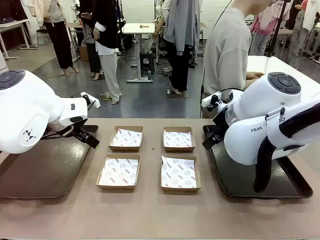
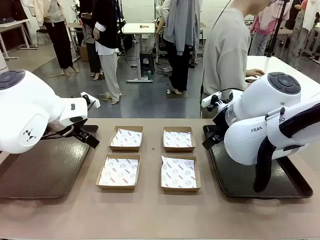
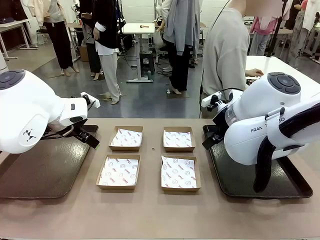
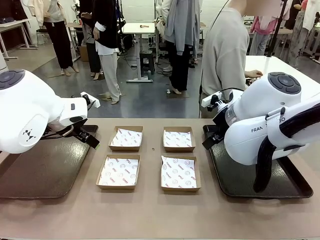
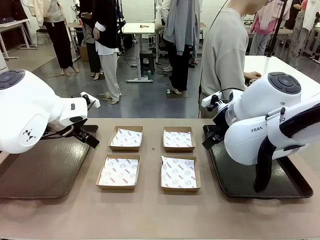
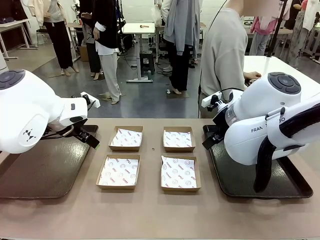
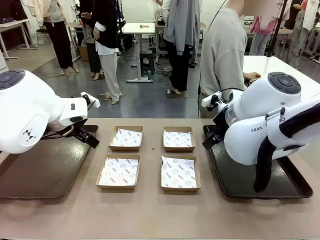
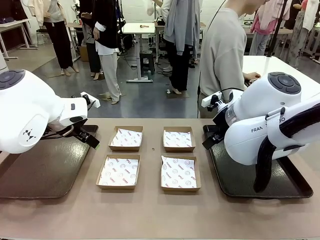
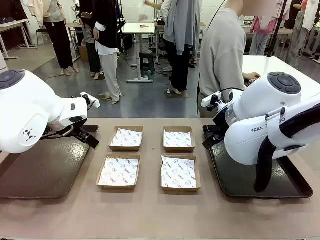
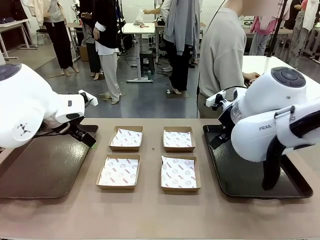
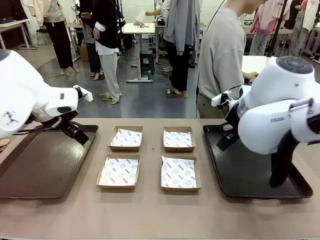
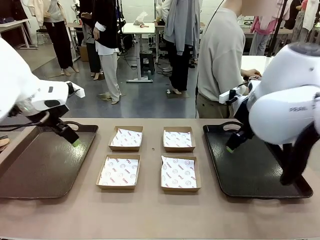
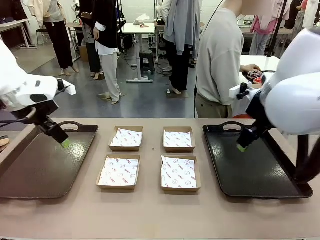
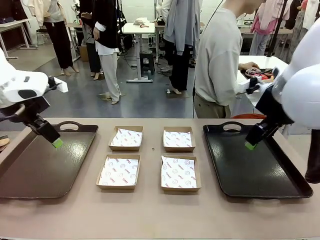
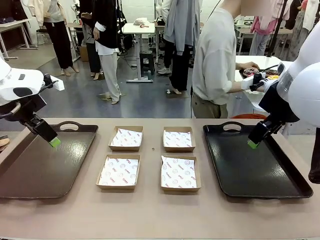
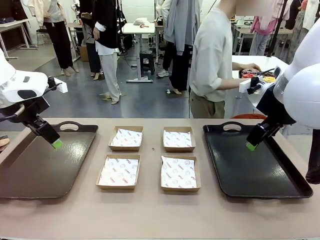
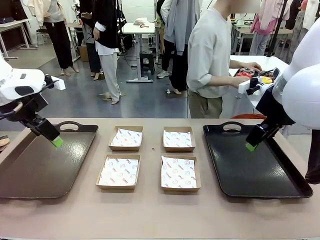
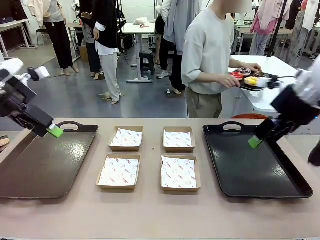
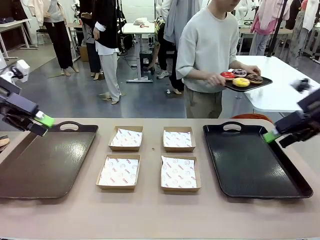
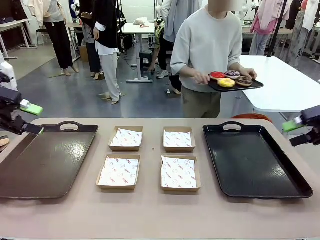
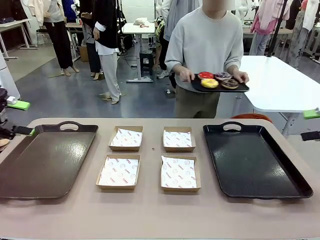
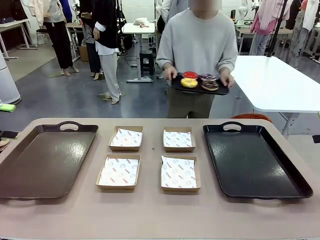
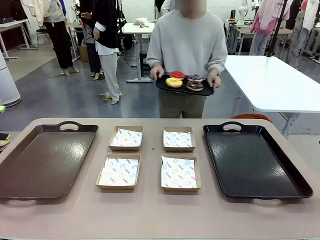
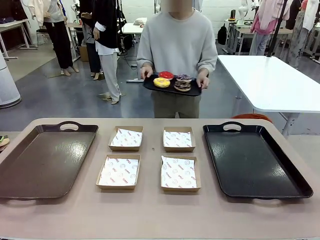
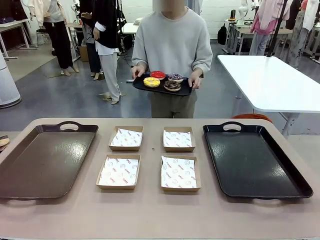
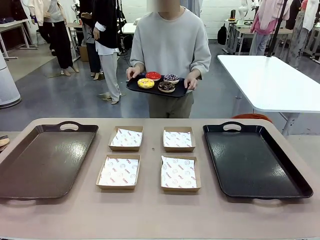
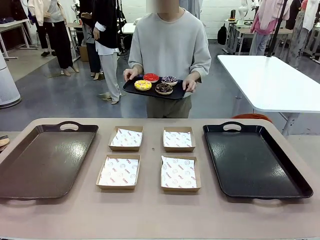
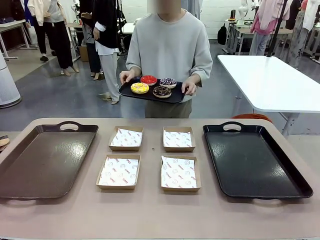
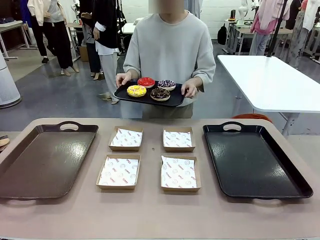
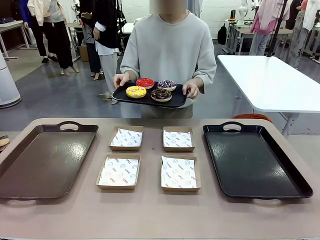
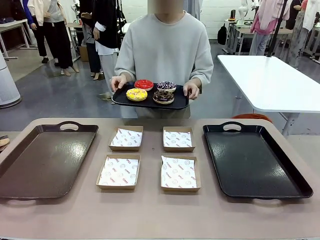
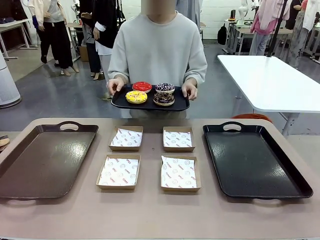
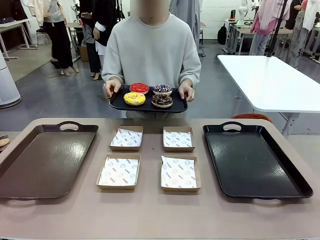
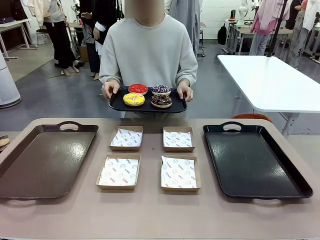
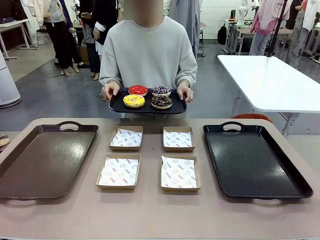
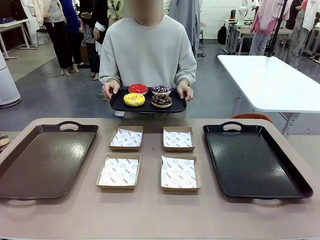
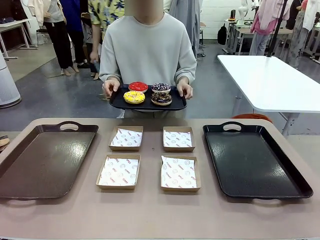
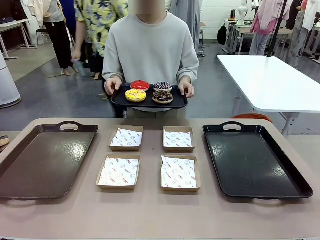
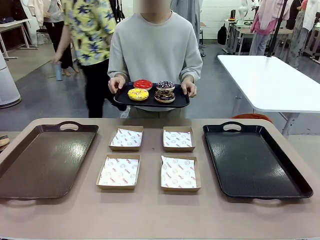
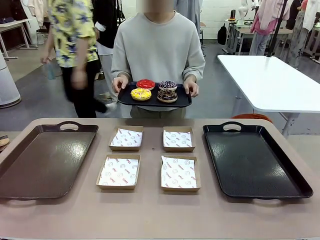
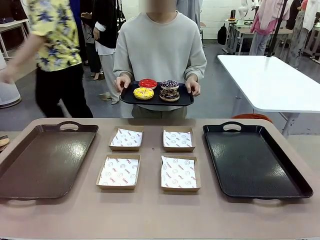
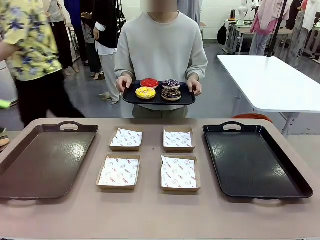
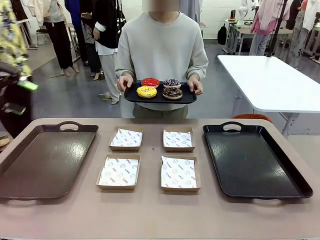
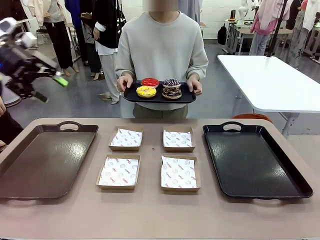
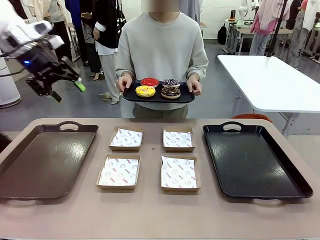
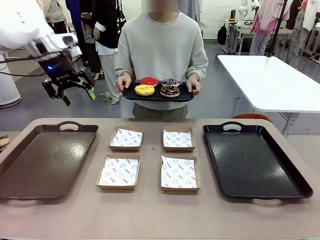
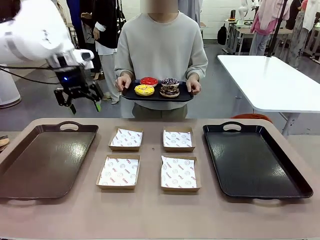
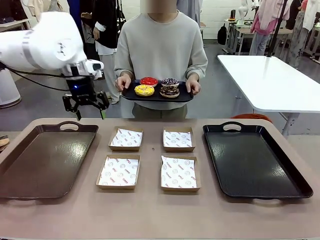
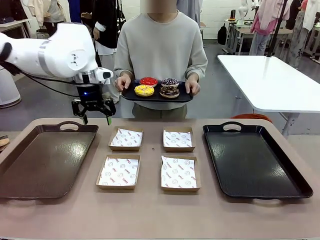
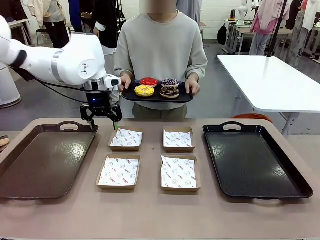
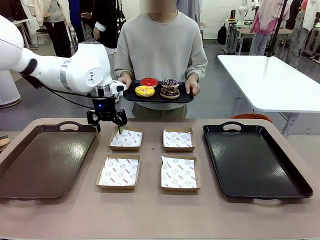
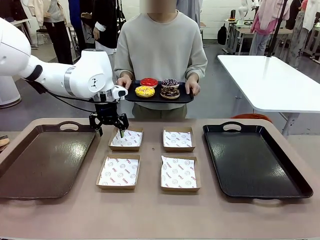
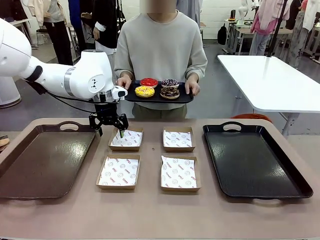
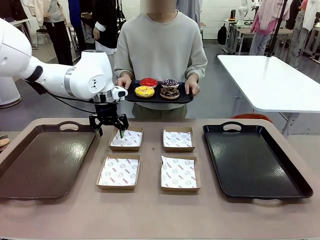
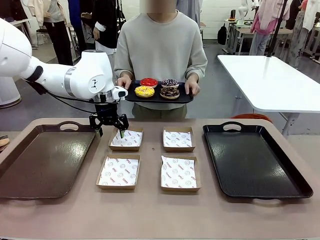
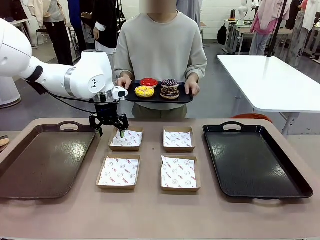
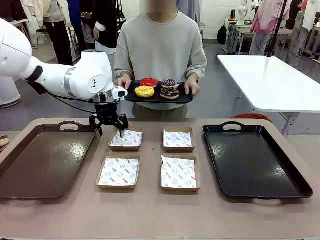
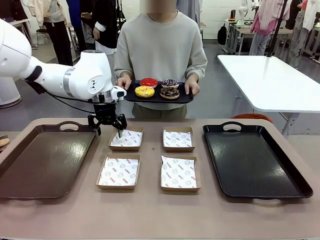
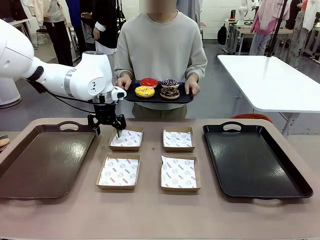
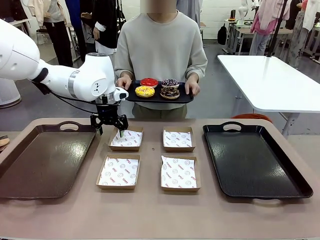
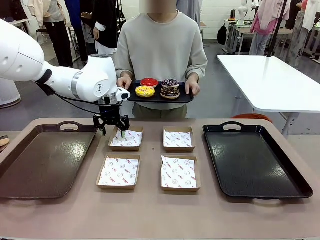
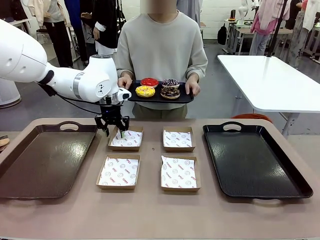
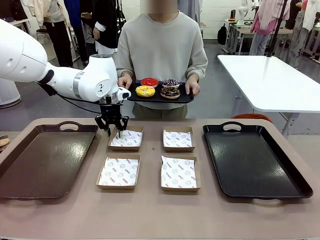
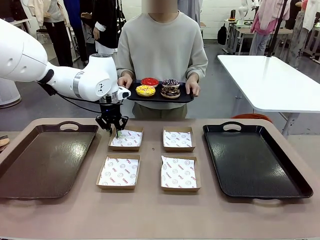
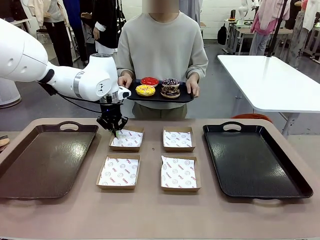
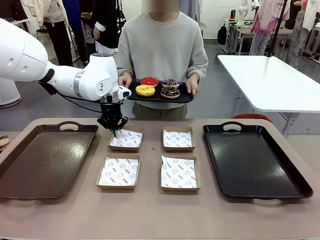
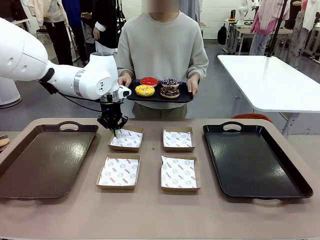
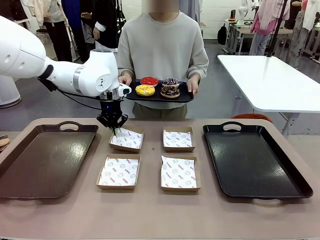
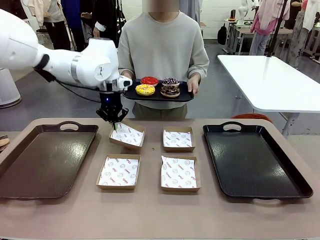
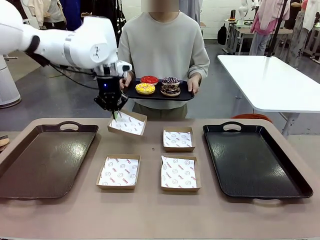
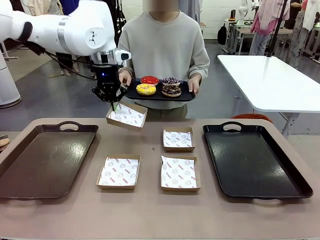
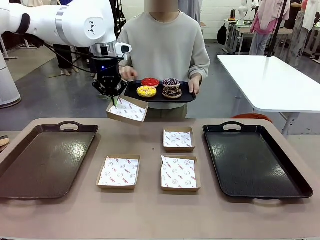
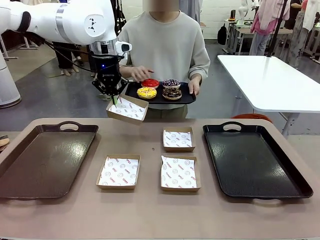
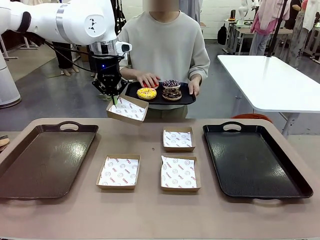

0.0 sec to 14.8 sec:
Task: Individually package the donuts and arrange them on the tray.
Robot: Pick up one Paper togo box.
Person: Stand in front of the robot table holding the tray containing the donuts.
